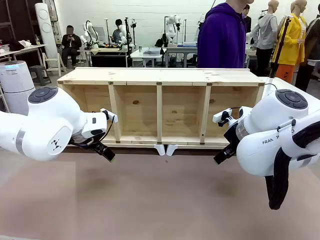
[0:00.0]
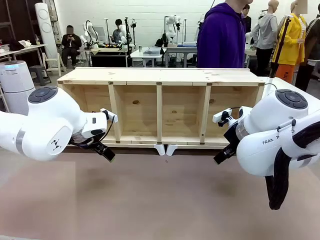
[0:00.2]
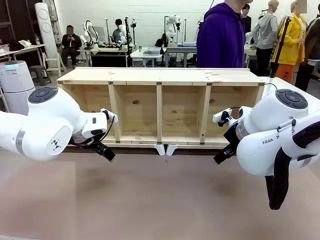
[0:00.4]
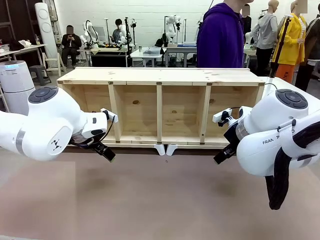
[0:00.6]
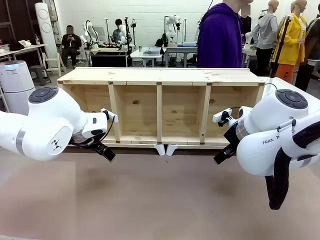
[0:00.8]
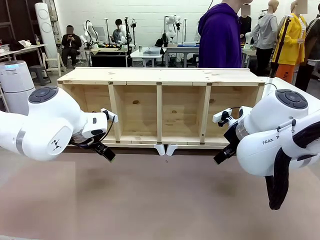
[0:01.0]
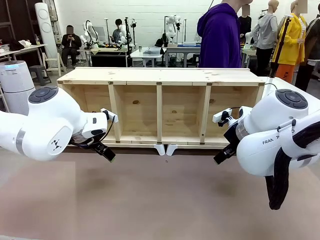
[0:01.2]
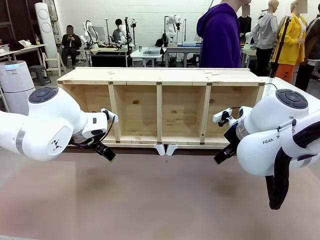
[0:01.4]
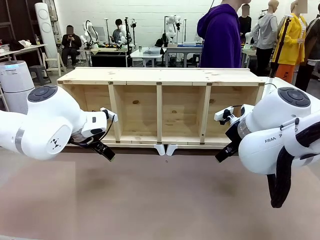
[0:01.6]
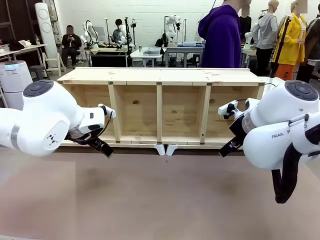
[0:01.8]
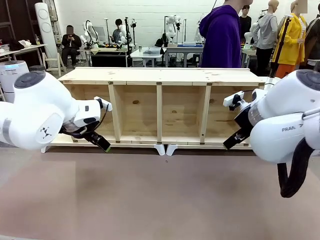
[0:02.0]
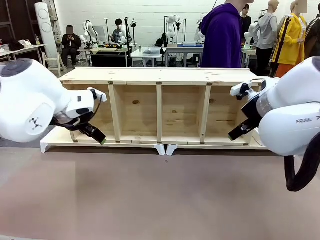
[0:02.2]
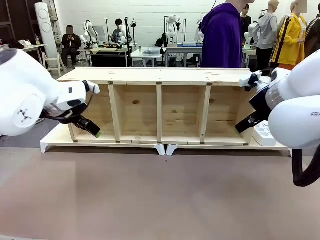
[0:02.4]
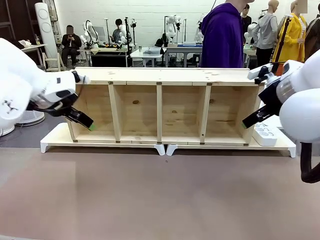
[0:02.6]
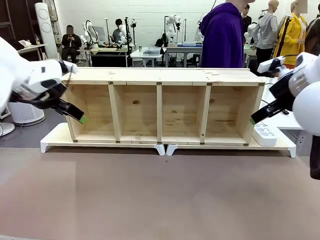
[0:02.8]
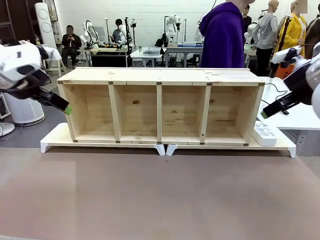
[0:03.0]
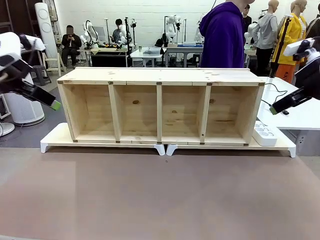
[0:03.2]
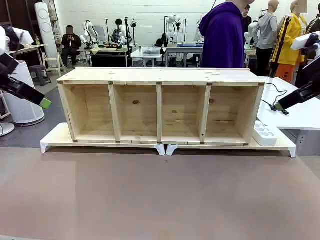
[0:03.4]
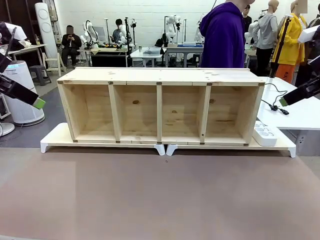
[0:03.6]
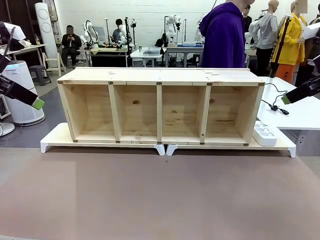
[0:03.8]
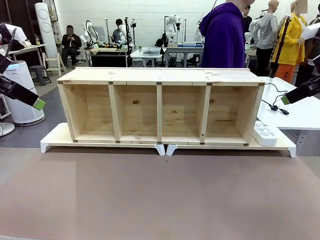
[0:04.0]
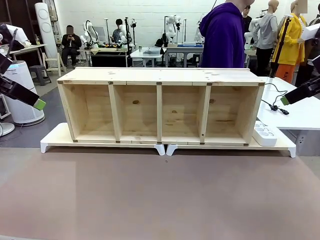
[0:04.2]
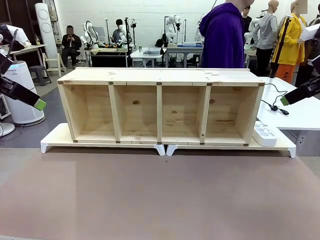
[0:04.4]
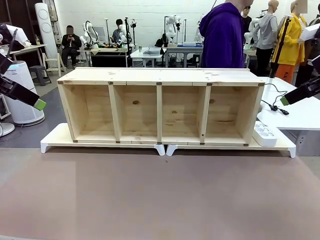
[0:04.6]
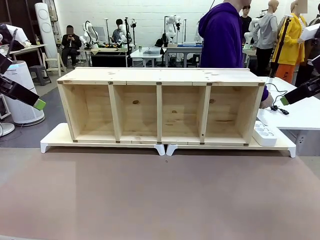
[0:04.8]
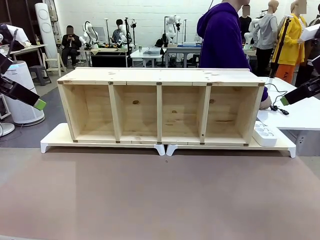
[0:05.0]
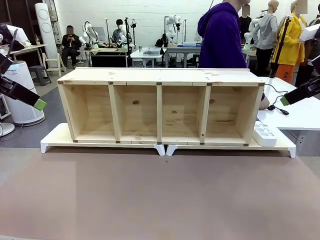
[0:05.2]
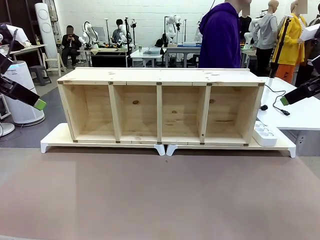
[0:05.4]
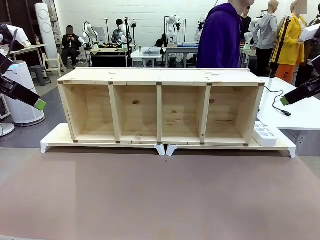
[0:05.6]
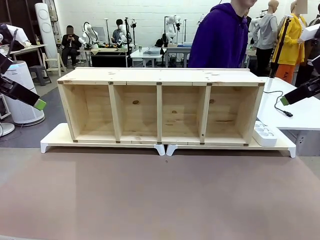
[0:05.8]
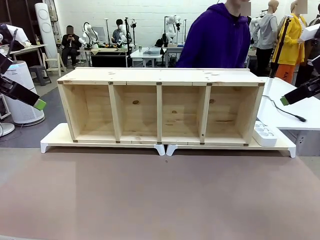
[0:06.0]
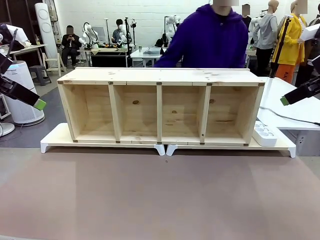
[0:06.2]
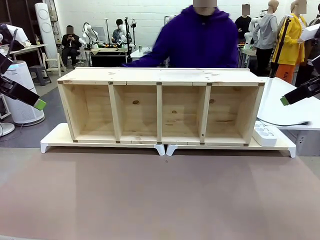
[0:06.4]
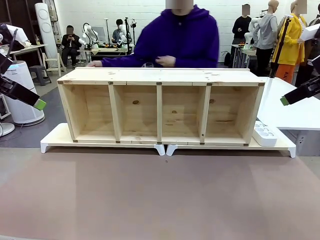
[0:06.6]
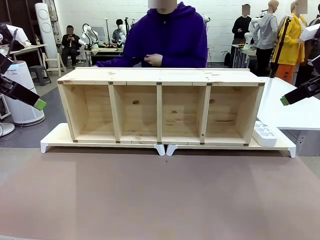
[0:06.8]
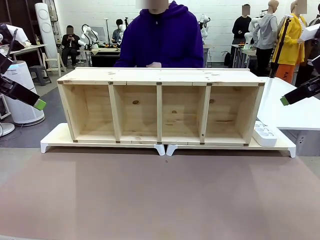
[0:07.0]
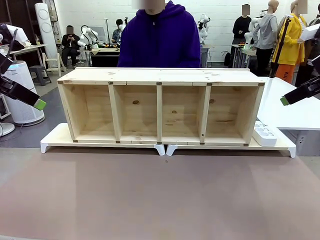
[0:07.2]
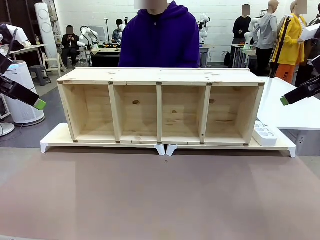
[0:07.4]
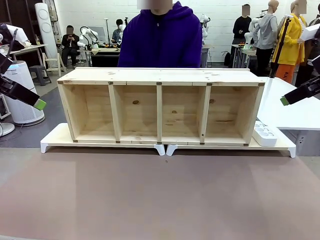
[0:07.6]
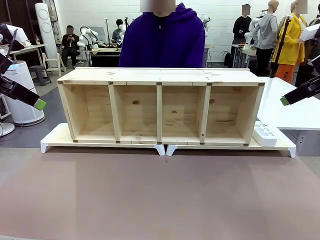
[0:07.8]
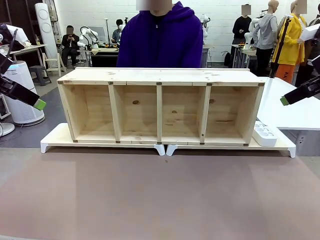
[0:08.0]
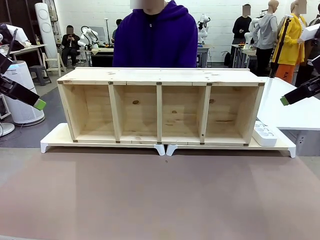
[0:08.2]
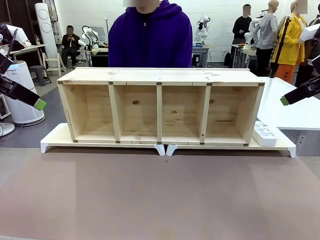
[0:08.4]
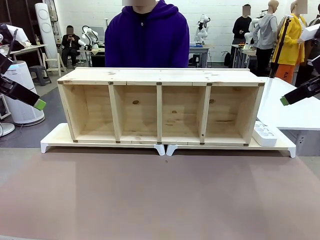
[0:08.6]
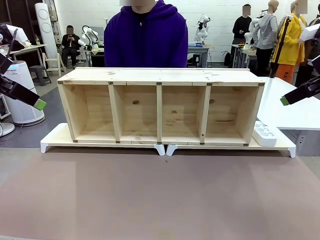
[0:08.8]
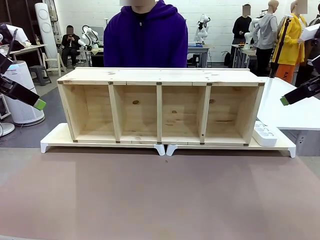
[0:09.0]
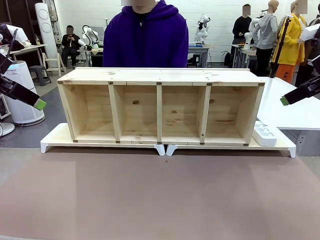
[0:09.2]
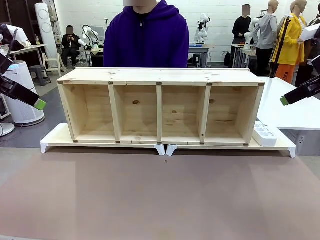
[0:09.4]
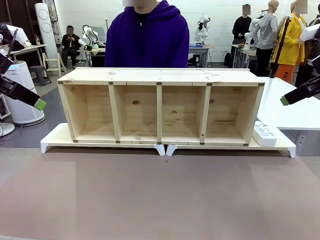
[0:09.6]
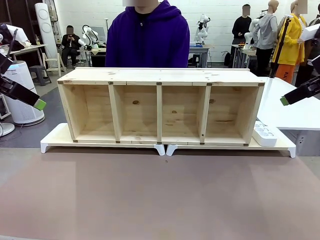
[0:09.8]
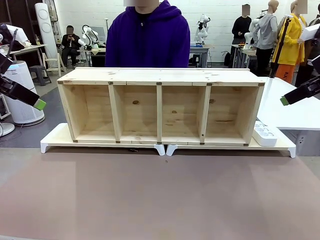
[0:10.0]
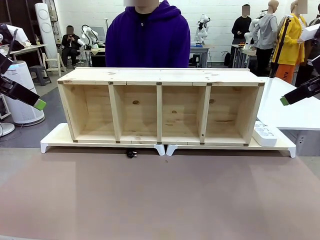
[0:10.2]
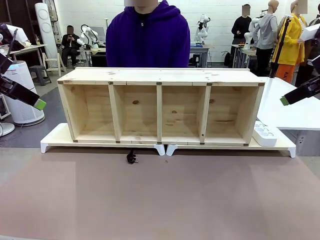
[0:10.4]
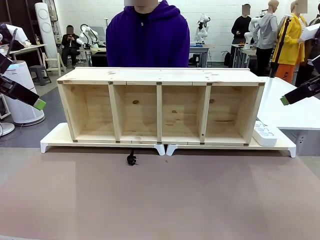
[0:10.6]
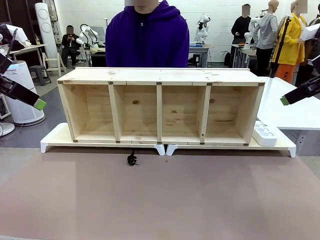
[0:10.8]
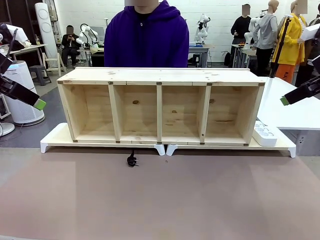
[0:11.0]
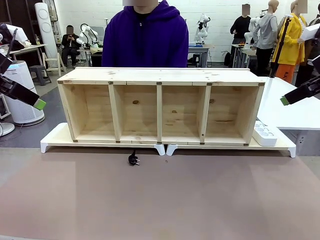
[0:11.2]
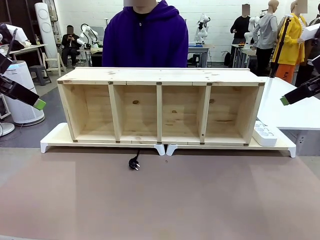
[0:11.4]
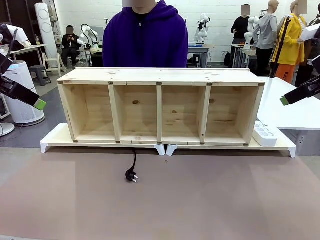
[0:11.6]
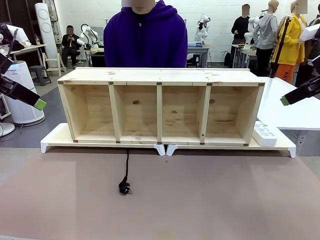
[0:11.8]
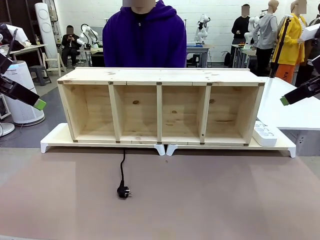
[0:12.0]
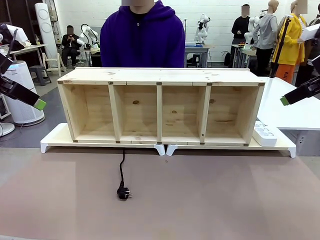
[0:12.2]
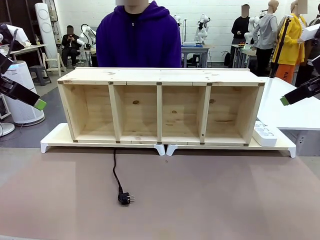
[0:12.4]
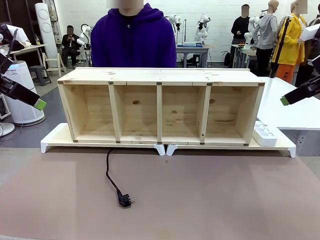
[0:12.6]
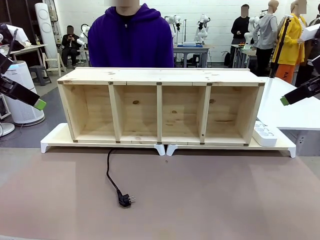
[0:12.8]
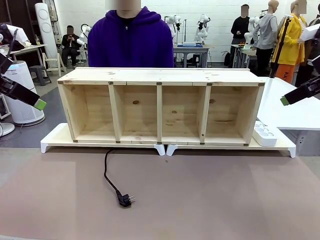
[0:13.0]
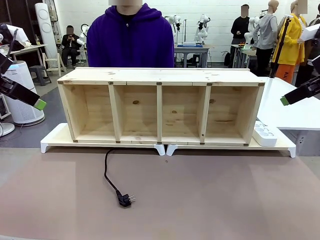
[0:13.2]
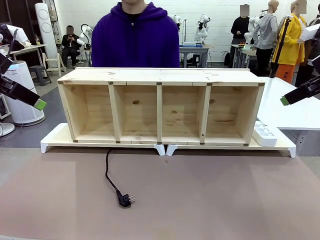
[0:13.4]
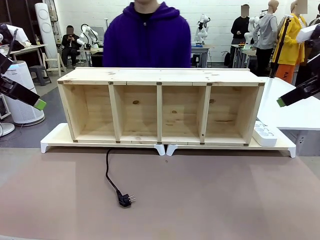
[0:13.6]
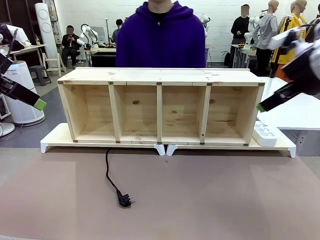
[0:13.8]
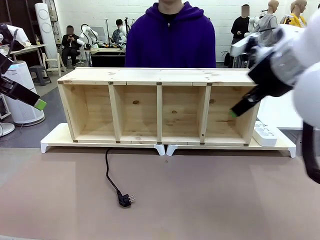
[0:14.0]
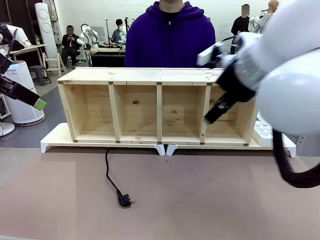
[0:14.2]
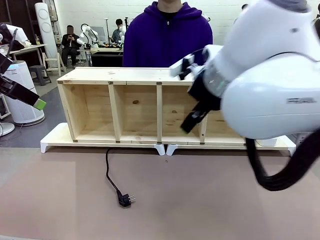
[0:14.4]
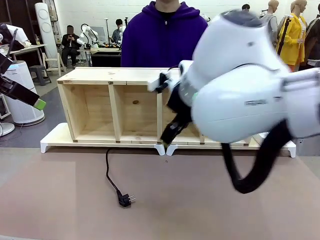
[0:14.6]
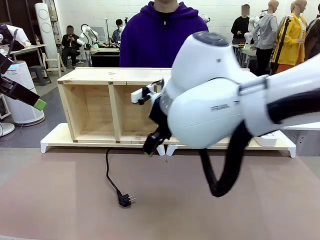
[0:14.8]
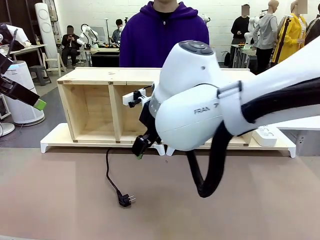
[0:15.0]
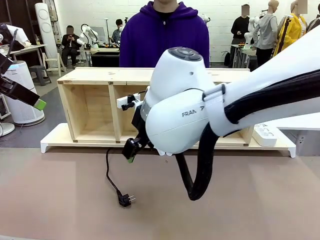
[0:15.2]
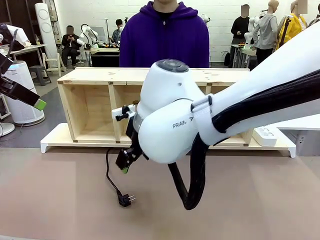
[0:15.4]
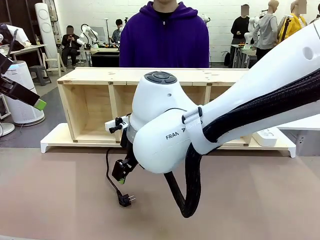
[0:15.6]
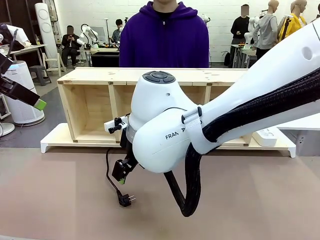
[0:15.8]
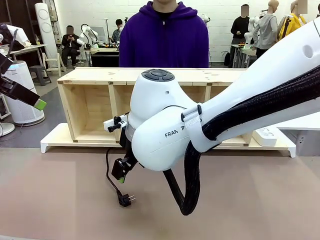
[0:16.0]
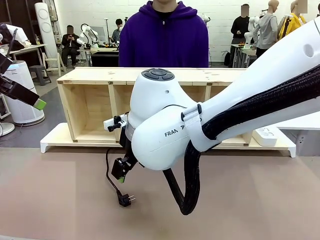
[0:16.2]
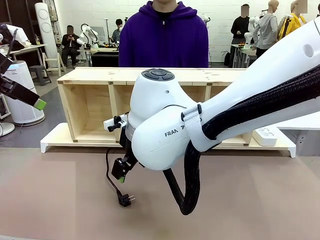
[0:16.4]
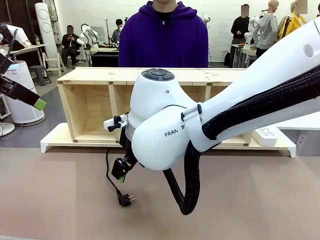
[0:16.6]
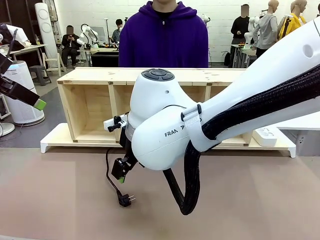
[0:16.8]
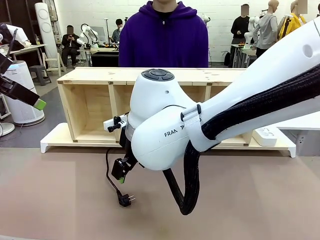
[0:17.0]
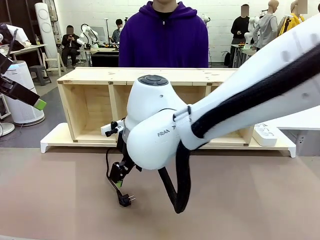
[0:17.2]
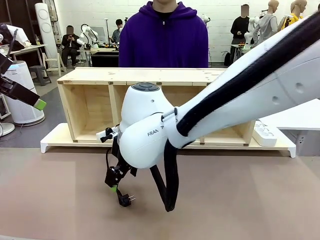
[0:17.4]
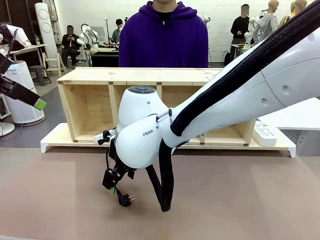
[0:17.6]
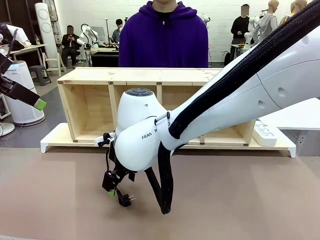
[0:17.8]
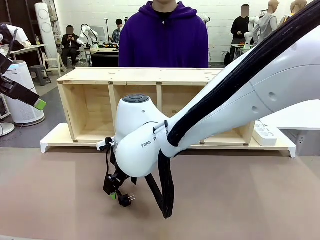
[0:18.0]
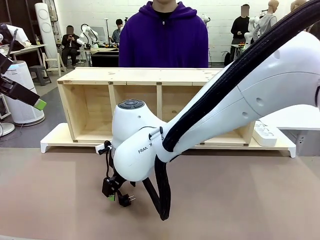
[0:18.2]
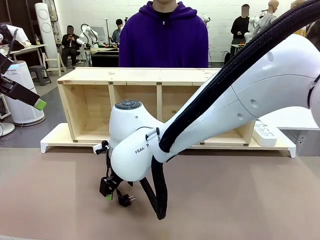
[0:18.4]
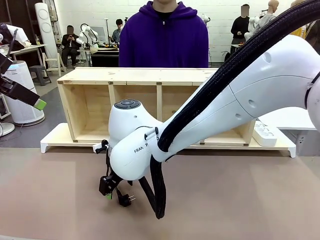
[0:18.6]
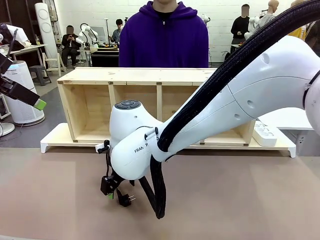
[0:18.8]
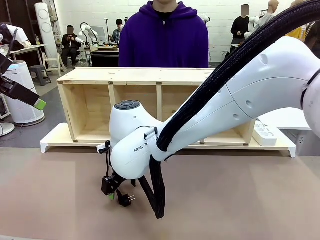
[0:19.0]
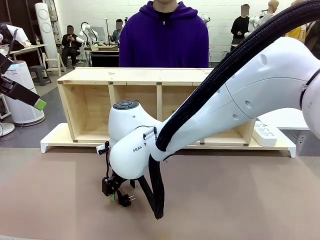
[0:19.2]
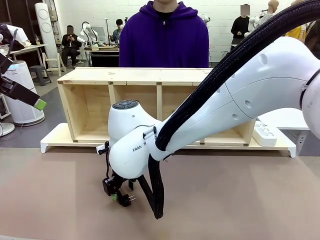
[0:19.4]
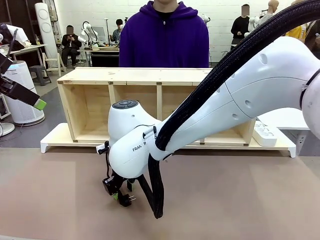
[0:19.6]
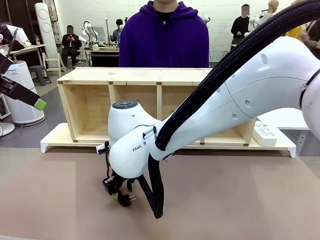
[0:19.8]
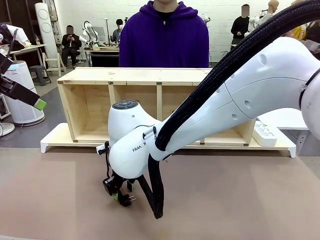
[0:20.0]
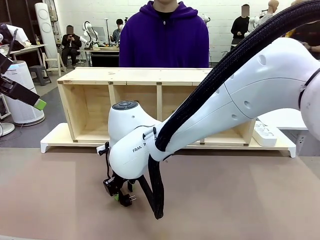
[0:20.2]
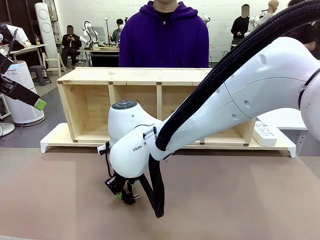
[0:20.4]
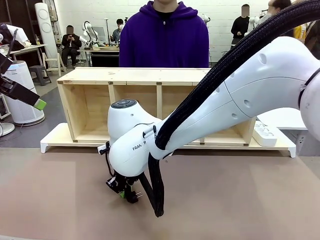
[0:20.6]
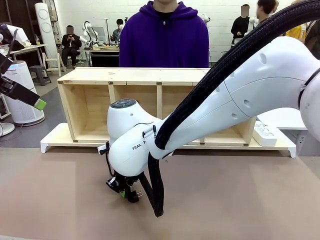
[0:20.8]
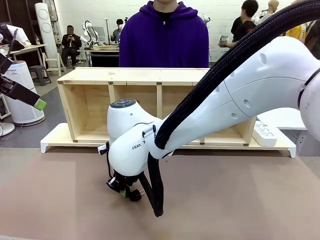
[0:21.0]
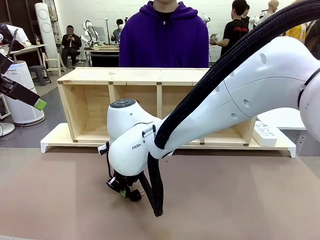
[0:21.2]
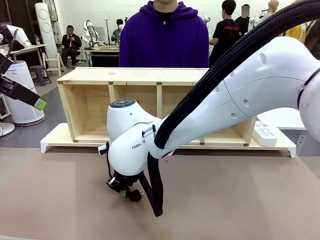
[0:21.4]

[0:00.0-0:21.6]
Task: Perform cable management.
Robot: When the cord part of the Power Cable appears at the lower middle area of the table and stops, grasp the cord part of the Power Cable.
Person: Pass the Power Cable under the Serving Table.
